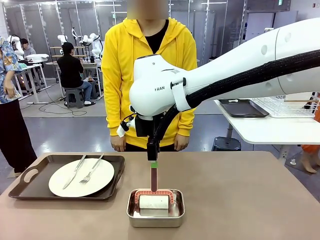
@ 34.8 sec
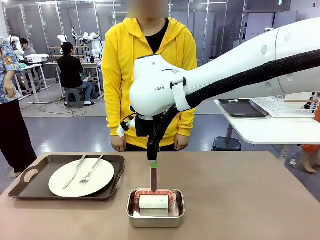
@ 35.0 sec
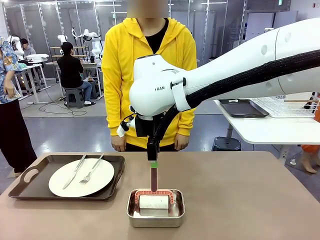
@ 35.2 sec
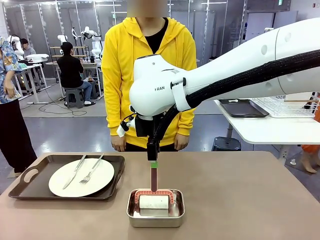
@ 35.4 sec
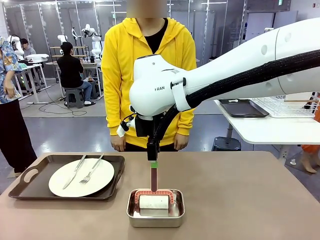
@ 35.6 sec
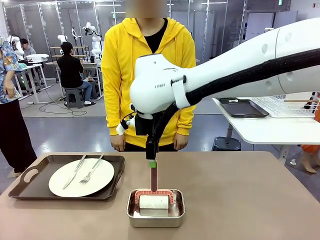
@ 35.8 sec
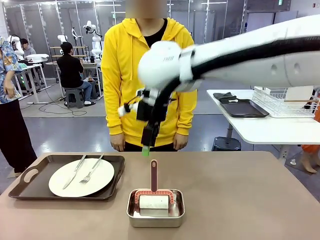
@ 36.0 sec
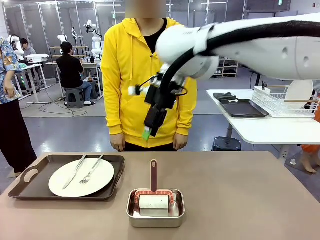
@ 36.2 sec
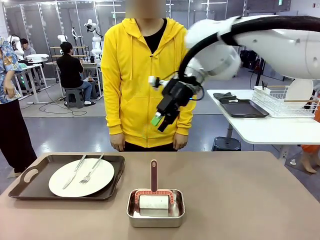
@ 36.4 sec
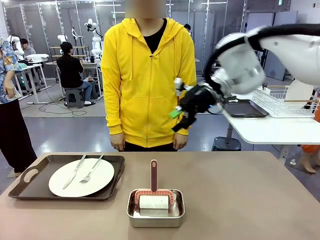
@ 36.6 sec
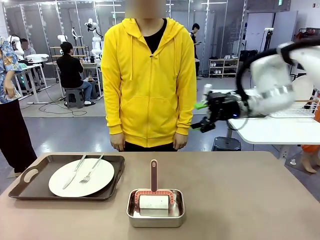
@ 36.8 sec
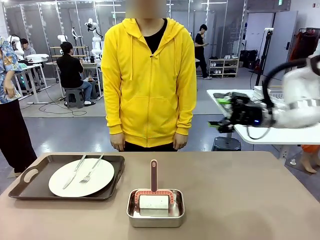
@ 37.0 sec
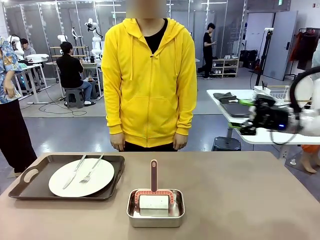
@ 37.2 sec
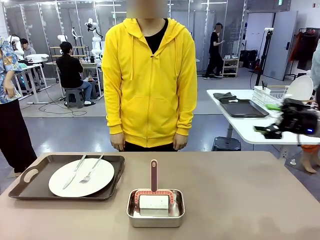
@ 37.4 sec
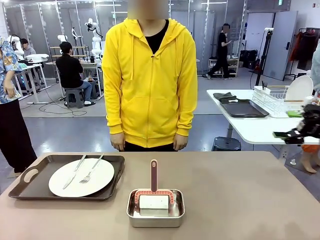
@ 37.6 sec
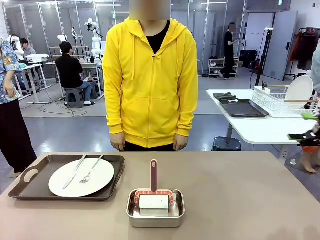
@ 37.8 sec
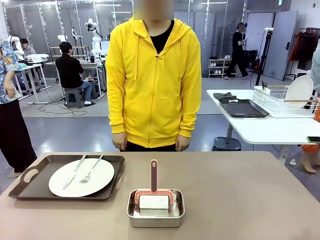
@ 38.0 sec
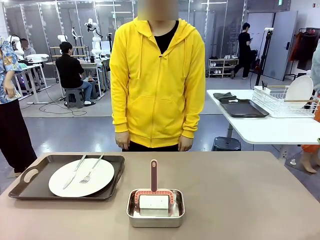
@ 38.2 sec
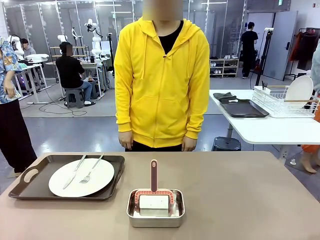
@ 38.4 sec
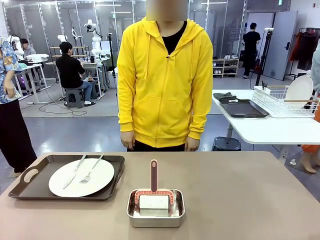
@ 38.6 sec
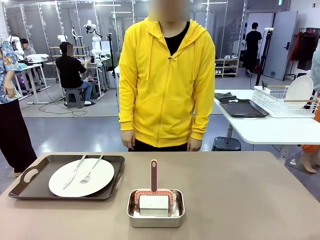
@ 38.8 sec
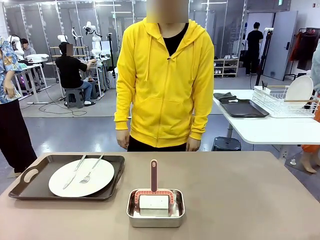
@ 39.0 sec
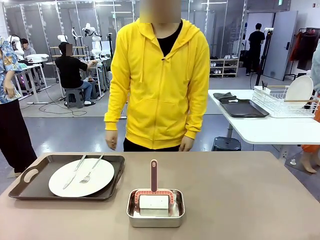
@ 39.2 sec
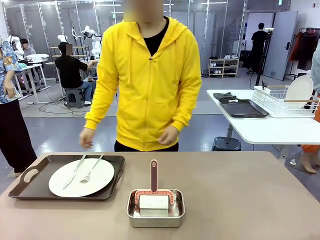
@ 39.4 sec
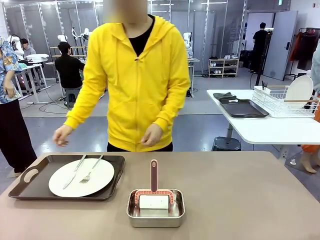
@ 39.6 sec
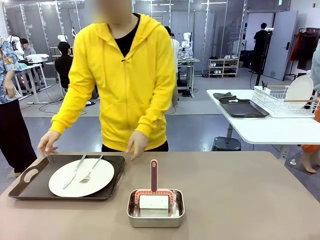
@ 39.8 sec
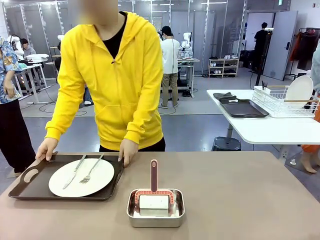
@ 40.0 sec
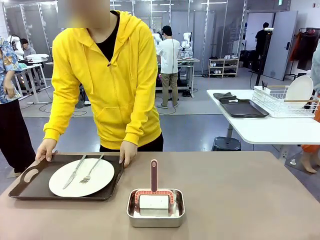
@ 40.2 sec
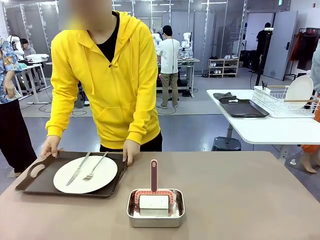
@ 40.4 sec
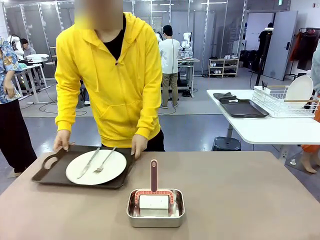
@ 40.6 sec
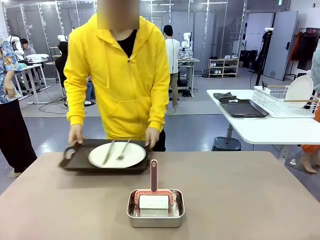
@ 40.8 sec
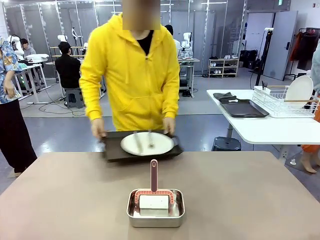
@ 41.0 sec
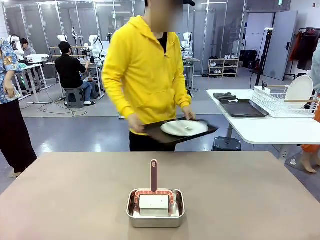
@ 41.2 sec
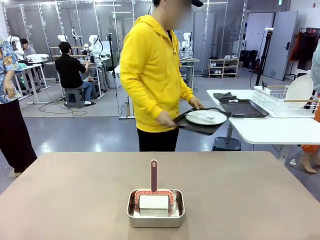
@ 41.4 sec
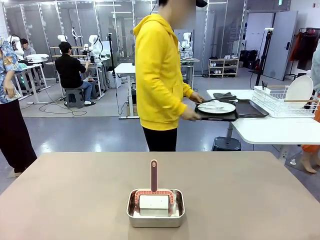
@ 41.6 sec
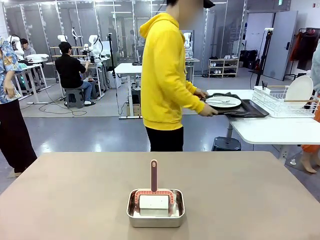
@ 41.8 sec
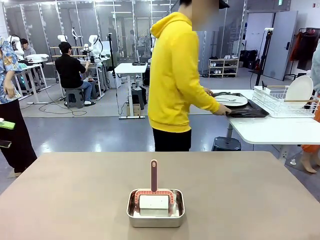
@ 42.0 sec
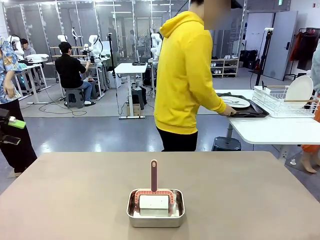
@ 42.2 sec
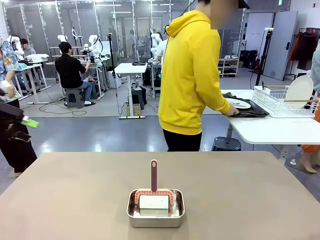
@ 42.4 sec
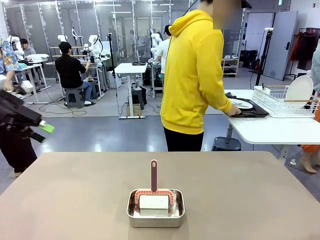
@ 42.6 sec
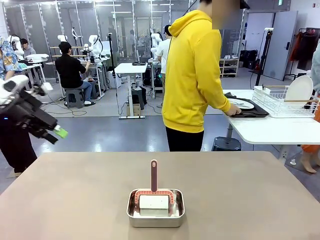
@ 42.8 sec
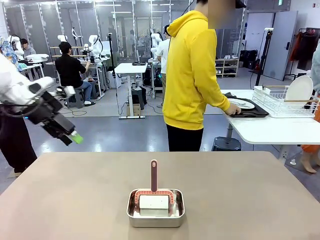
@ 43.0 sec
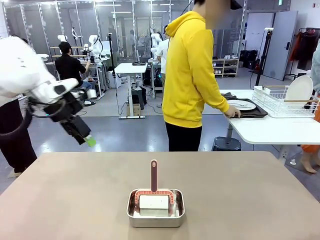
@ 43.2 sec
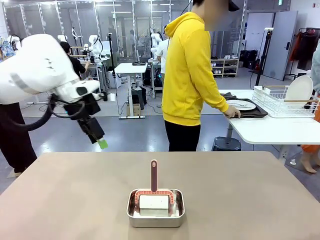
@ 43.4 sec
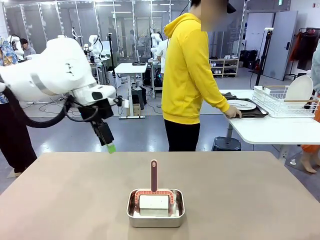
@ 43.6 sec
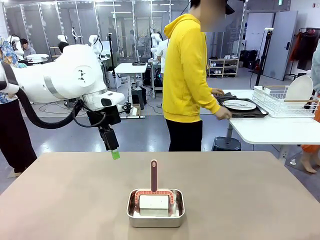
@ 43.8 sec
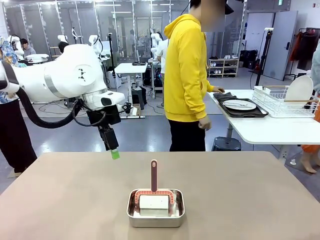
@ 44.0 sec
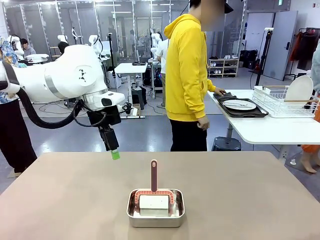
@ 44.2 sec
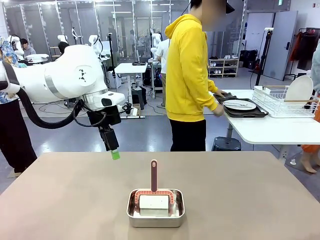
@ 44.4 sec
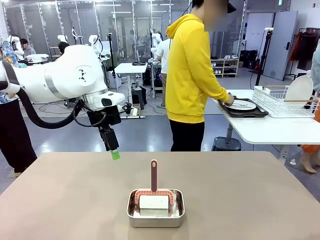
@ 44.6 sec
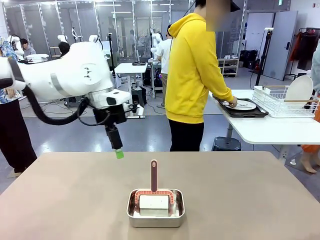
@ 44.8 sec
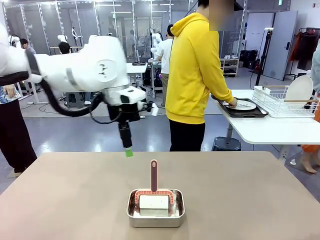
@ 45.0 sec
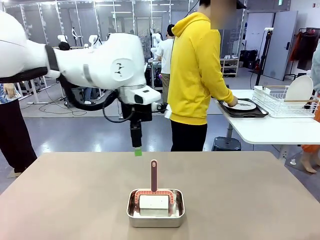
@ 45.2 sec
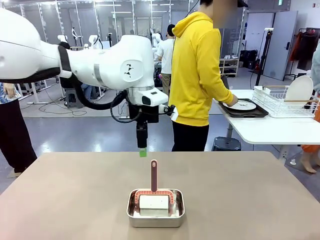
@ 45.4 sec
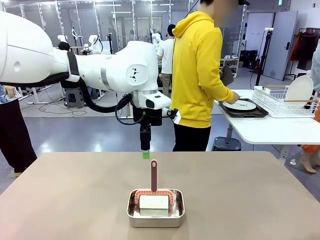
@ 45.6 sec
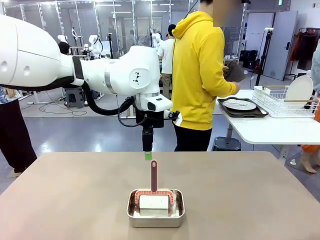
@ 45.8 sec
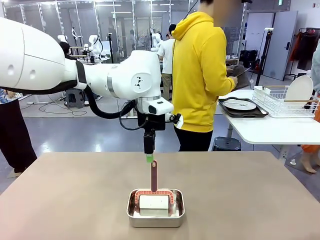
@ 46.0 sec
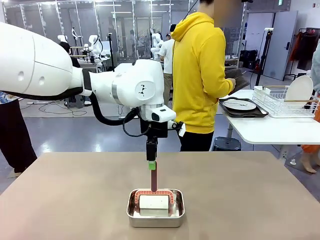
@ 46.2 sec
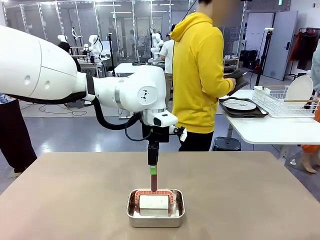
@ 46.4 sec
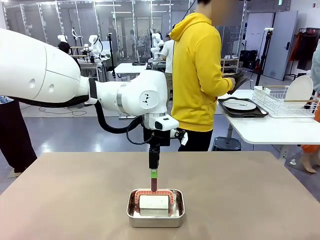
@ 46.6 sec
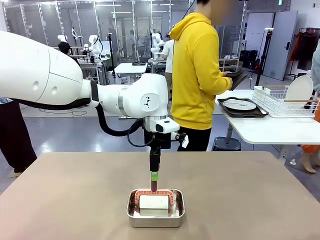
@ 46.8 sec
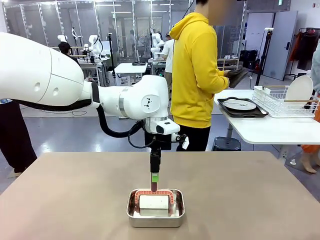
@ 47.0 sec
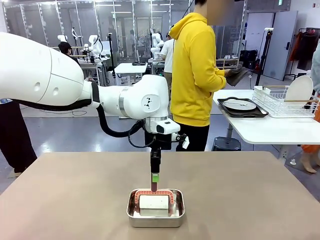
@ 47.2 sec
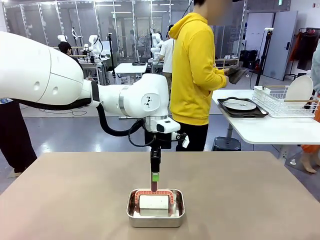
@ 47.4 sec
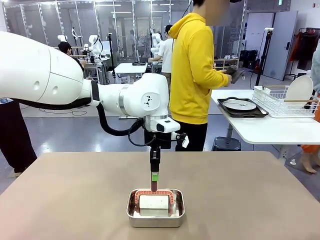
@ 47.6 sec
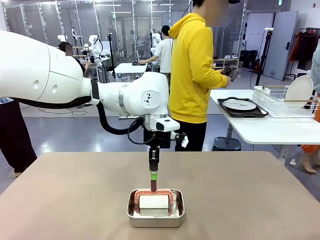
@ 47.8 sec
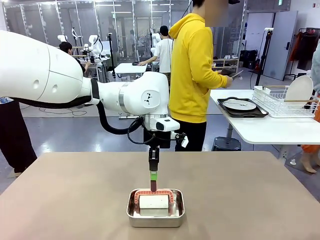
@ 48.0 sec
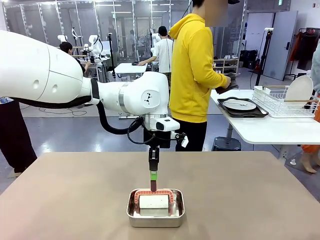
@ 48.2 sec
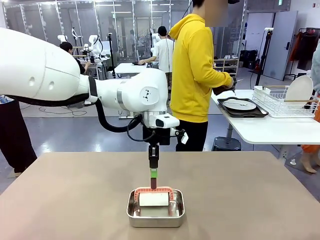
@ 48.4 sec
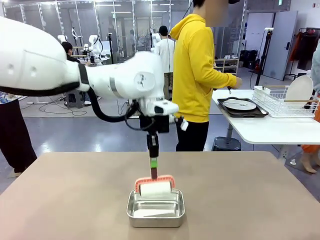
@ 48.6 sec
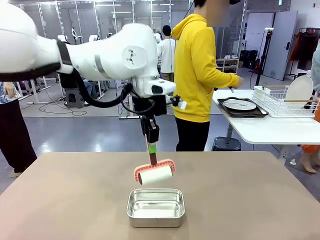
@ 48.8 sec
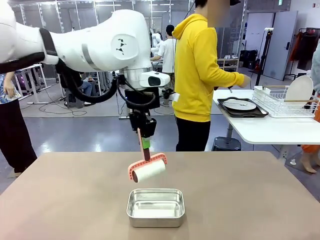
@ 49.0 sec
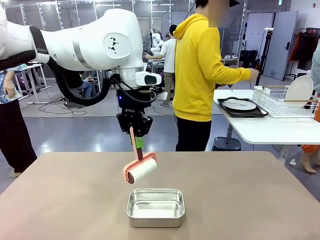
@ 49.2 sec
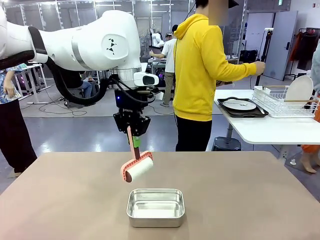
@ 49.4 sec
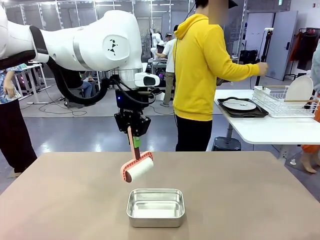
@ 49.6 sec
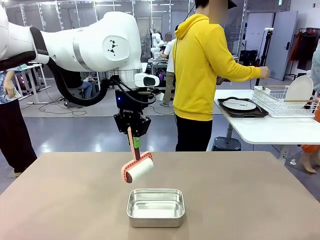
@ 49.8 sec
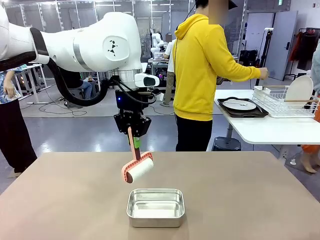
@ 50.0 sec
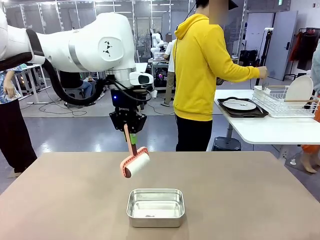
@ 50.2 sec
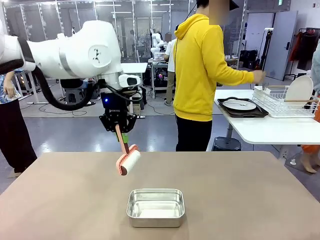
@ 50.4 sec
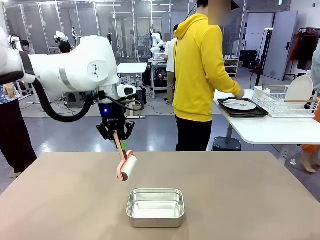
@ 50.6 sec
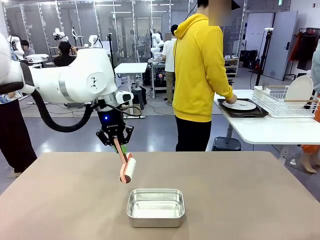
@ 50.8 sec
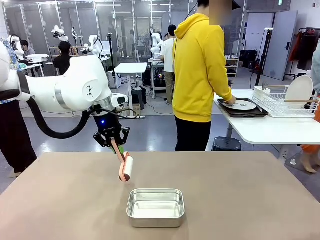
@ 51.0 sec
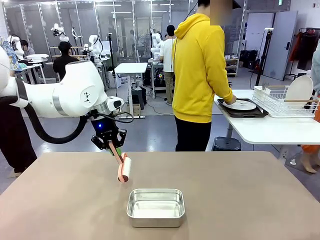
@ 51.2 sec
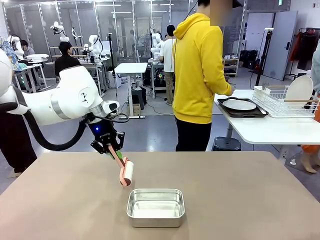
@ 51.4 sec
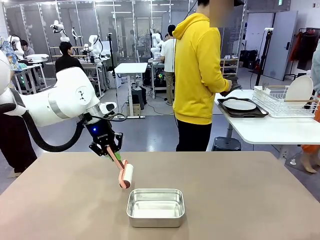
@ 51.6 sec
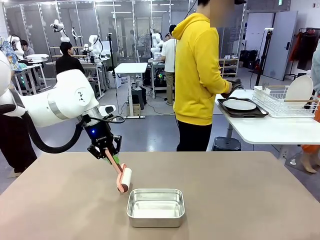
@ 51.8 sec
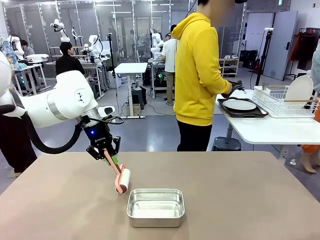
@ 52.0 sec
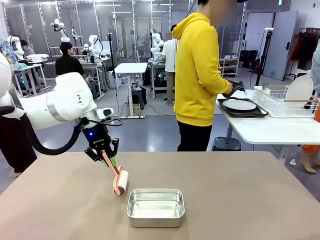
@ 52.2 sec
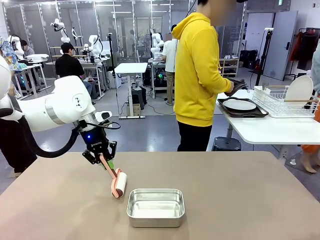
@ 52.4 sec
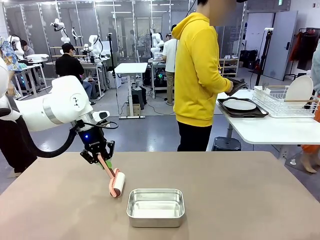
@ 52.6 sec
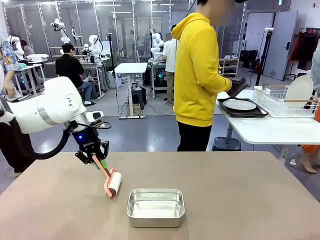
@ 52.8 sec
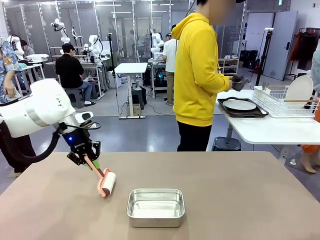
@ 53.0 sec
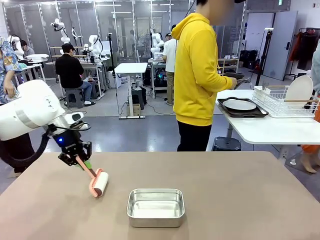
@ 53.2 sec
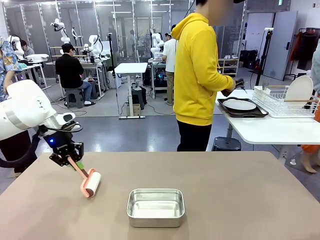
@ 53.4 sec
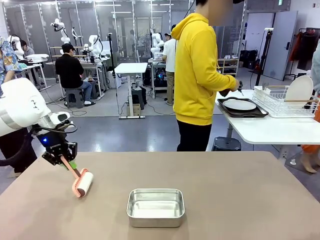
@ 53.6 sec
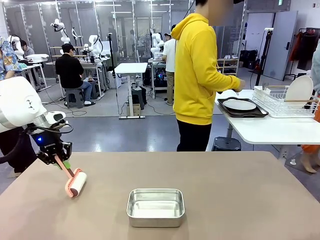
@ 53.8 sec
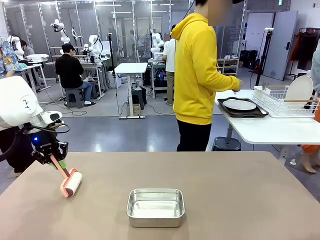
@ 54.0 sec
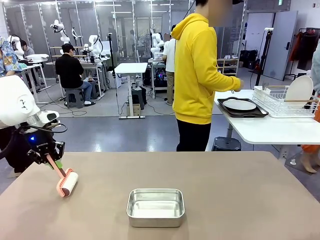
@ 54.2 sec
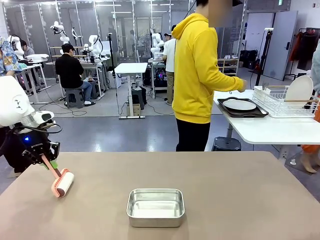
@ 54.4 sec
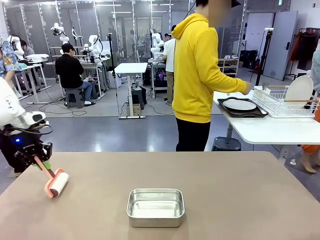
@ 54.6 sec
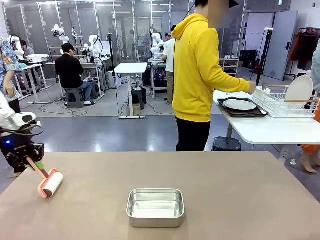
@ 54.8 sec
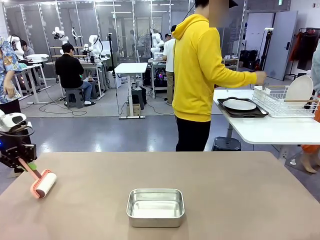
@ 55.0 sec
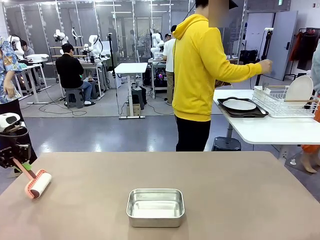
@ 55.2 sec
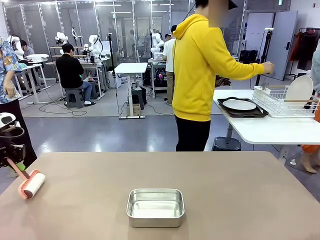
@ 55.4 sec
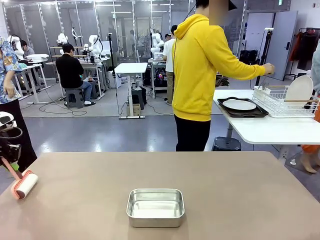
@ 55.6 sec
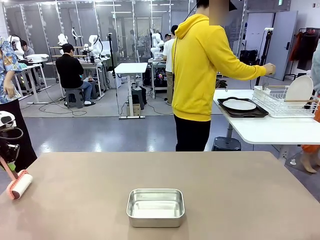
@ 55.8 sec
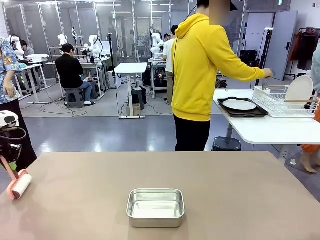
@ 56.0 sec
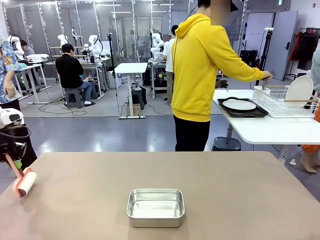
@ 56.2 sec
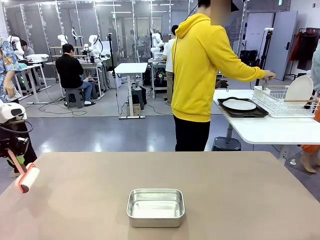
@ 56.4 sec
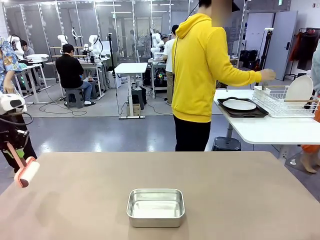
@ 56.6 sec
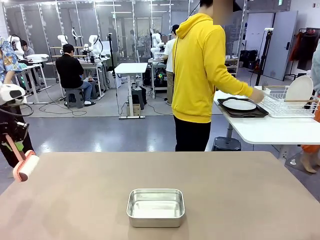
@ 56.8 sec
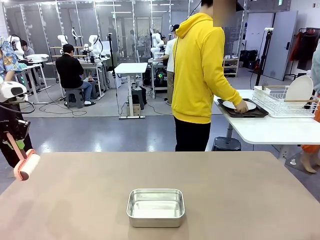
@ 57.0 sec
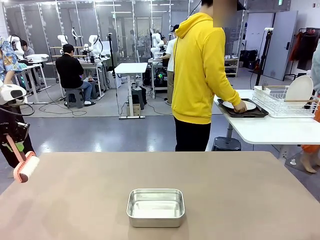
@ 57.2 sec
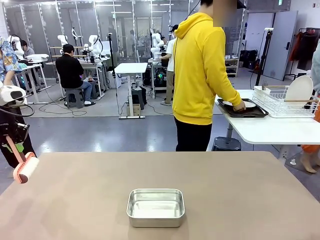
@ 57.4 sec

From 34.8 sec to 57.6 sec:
Robot: When the right (or left) Handle tray is removed, use the right hand (or left hand) to clean the right (or left) side of the table with the Lint Roller.
Person: Pick up the left (or right) Handle tray and place it on the Handle tray.
